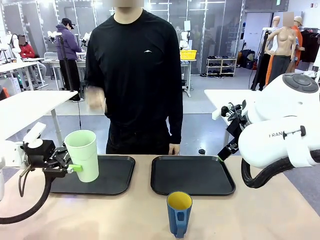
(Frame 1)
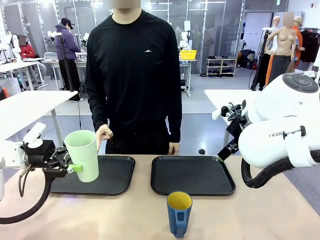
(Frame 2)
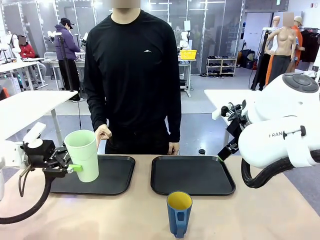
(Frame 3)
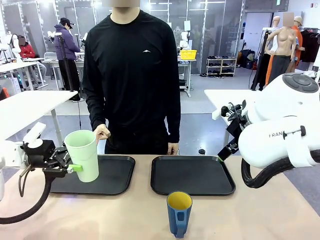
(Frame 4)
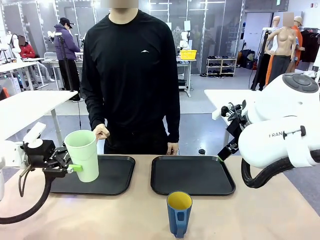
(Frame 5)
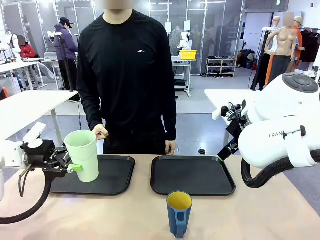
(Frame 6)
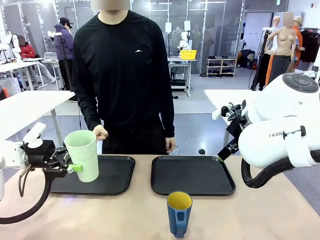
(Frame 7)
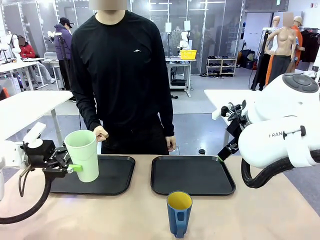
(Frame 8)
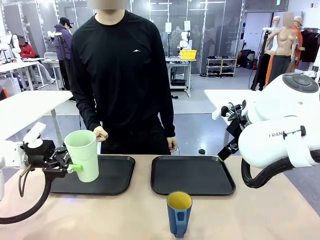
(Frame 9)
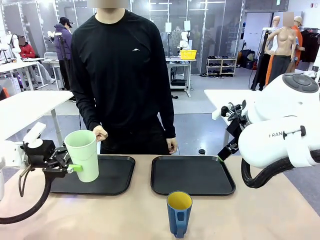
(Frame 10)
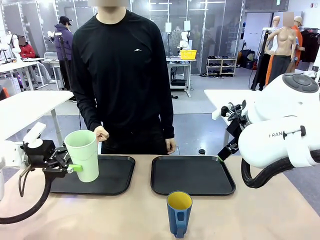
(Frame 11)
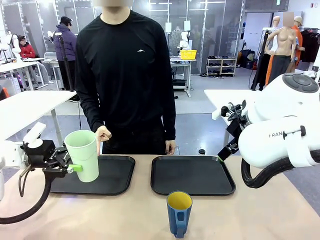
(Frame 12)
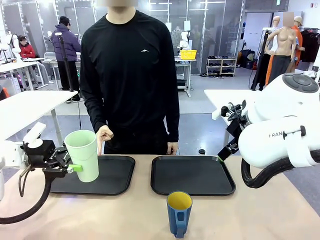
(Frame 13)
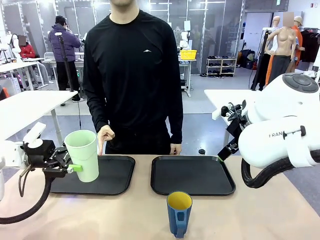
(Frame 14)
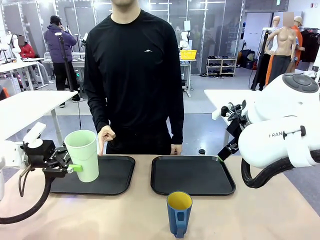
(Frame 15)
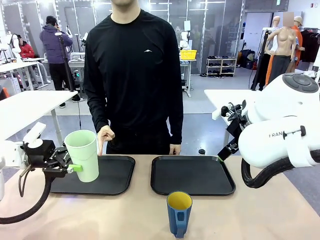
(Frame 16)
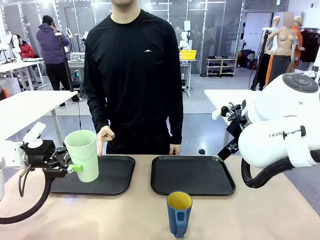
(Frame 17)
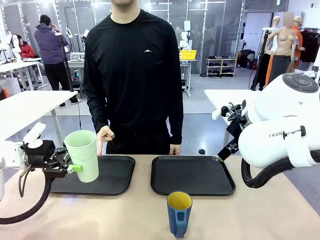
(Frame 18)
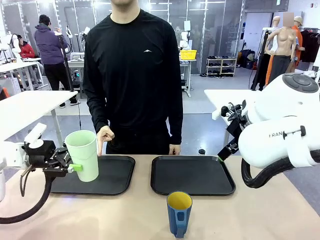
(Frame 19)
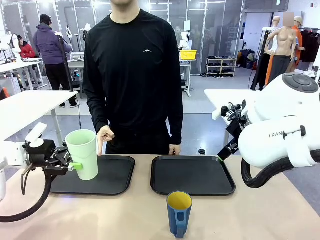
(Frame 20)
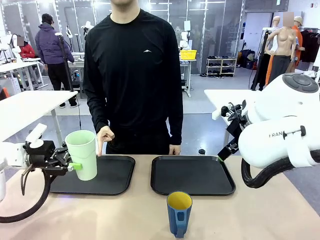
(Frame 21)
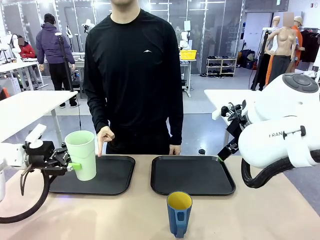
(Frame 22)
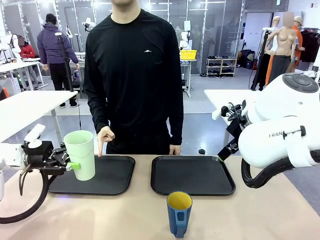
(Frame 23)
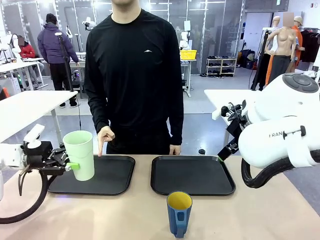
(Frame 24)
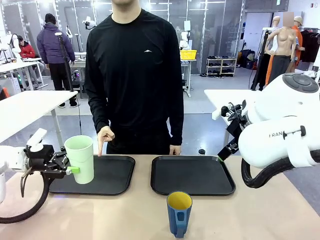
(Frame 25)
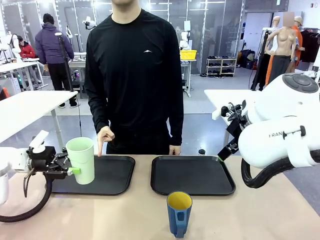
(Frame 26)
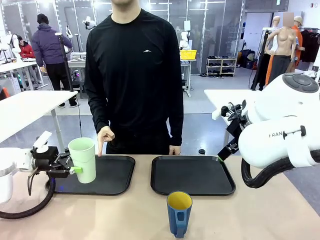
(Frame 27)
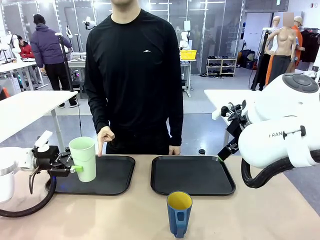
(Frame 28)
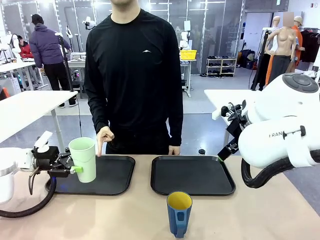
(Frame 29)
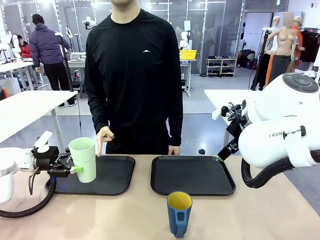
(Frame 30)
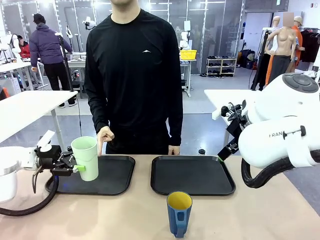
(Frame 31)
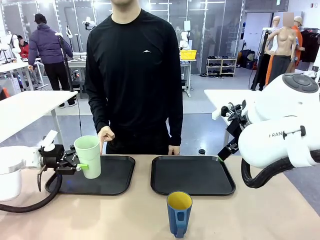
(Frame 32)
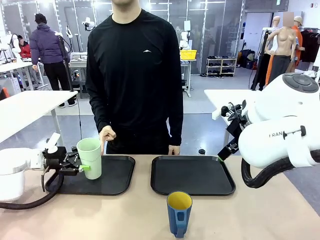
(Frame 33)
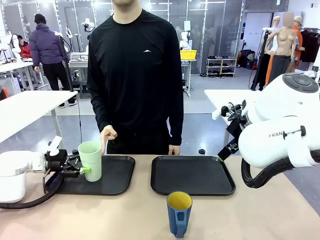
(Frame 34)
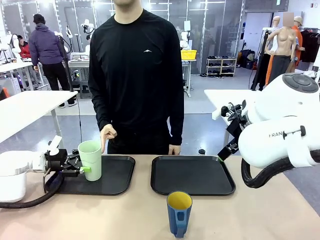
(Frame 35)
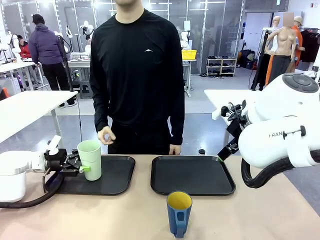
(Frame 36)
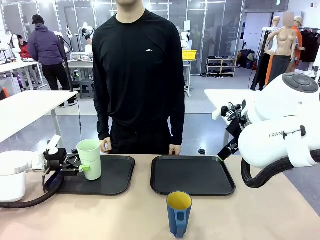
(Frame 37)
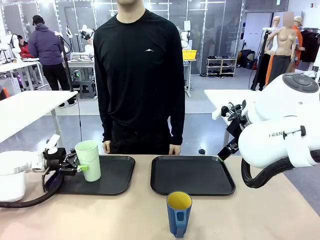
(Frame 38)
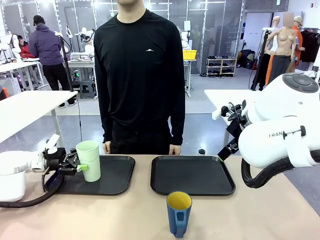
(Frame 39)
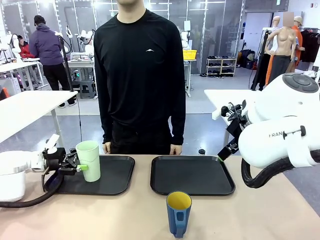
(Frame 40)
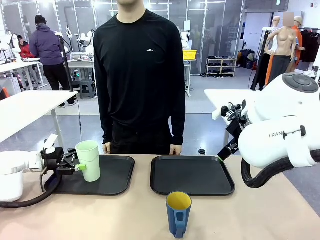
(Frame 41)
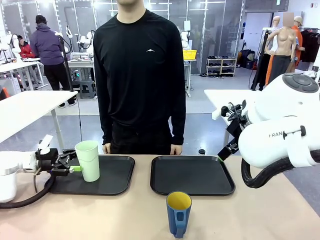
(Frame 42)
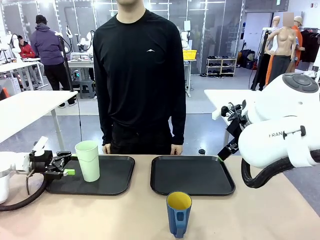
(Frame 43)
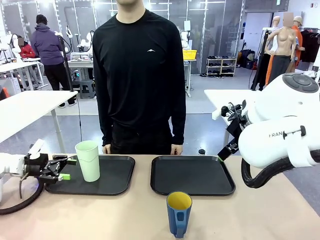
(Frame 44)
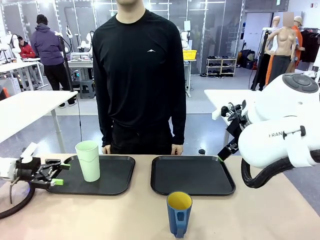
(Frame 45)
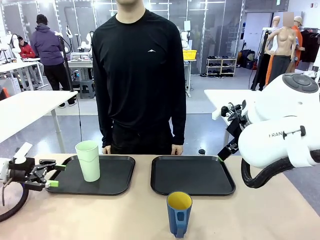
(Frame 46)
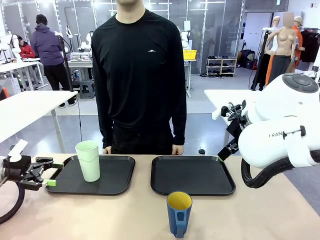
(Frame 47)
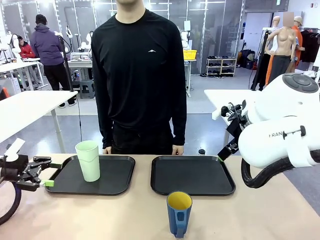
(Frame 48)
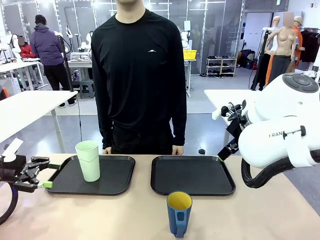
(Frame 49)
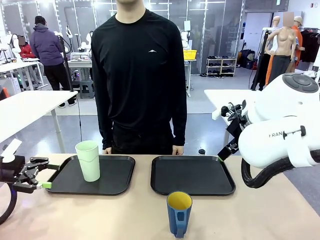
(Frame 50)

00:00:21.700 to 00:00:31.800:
Task: Sort and store the cups by type.
Robot: Place the picked Reusable plastic cup into the Flat Tray indicated by the person.

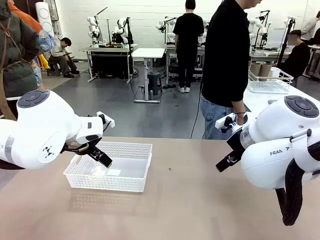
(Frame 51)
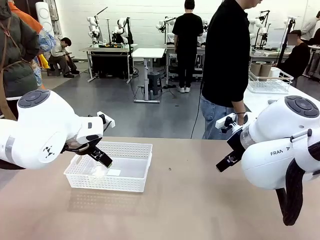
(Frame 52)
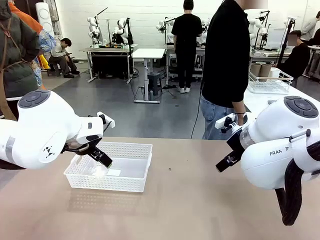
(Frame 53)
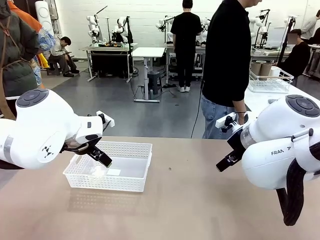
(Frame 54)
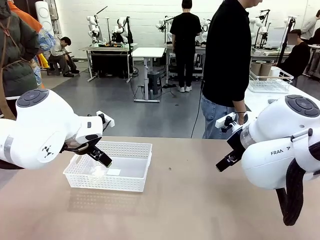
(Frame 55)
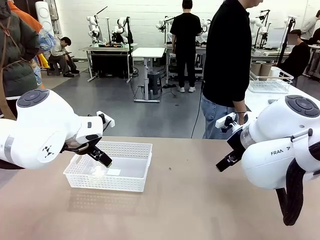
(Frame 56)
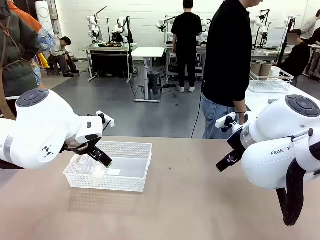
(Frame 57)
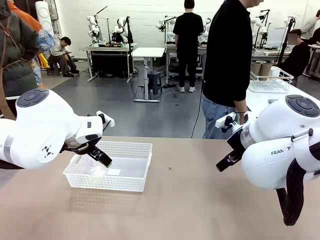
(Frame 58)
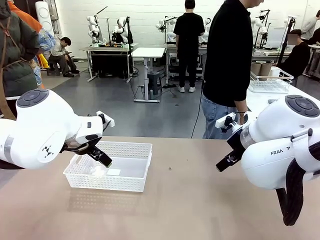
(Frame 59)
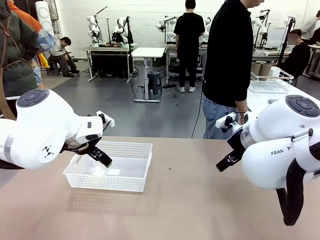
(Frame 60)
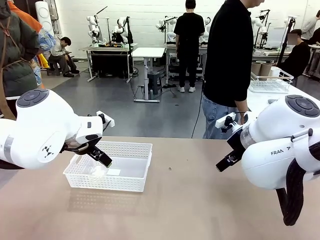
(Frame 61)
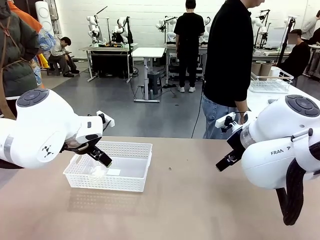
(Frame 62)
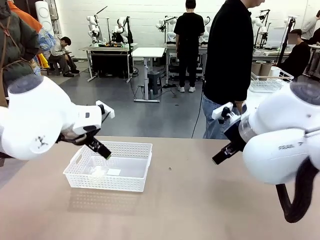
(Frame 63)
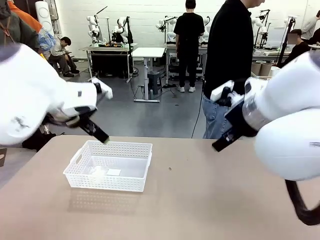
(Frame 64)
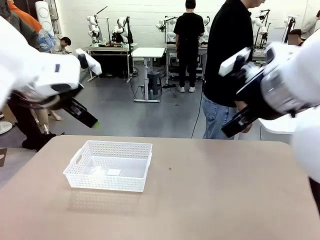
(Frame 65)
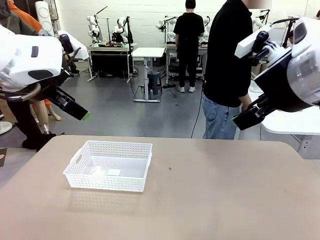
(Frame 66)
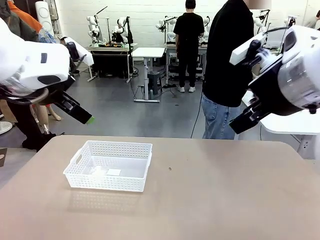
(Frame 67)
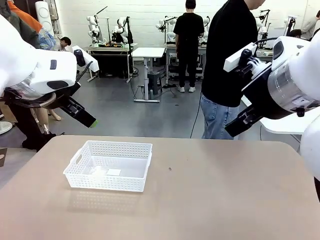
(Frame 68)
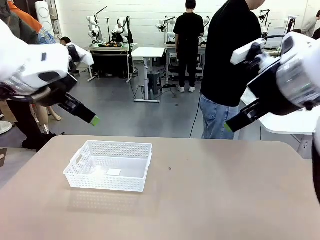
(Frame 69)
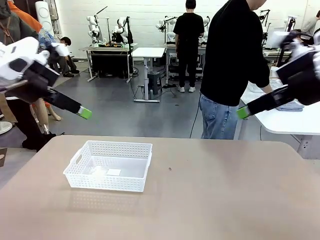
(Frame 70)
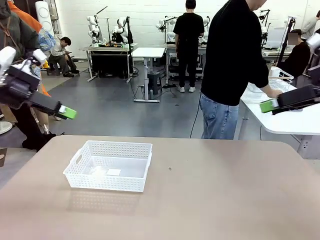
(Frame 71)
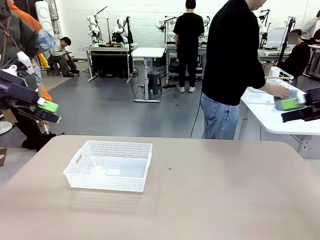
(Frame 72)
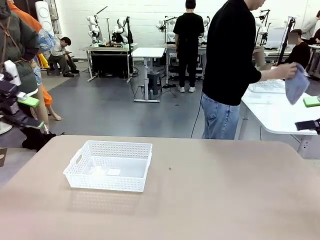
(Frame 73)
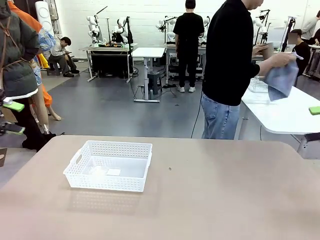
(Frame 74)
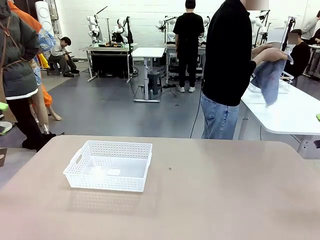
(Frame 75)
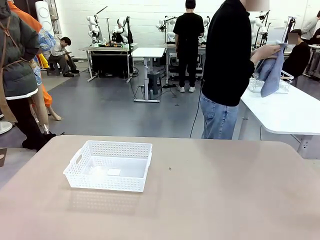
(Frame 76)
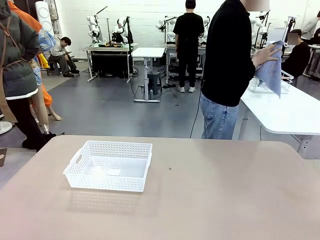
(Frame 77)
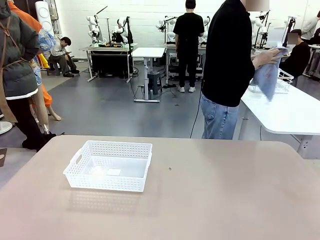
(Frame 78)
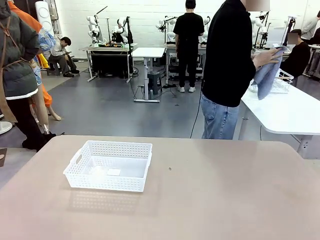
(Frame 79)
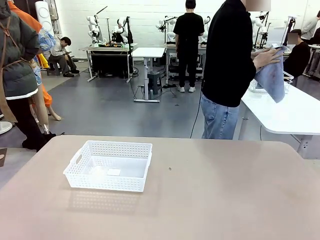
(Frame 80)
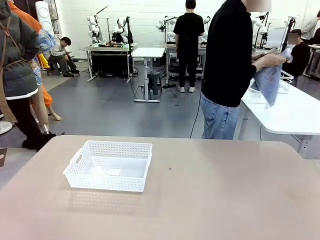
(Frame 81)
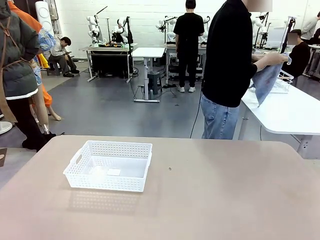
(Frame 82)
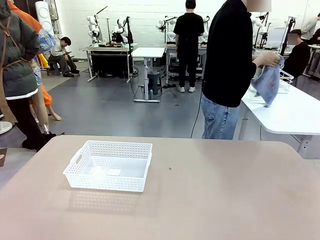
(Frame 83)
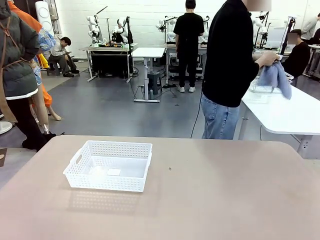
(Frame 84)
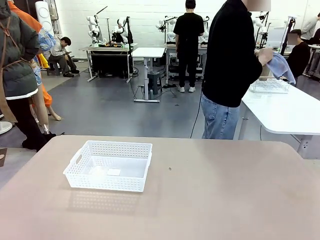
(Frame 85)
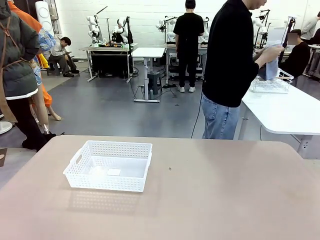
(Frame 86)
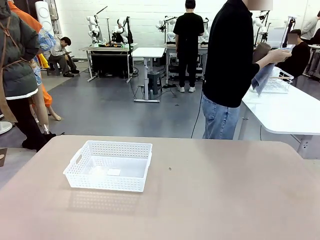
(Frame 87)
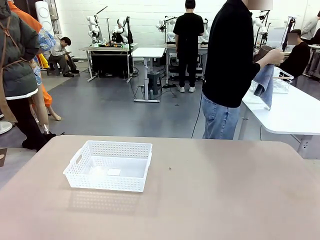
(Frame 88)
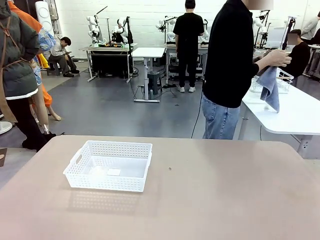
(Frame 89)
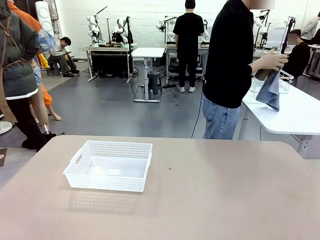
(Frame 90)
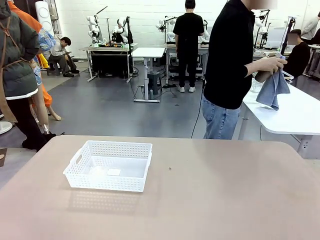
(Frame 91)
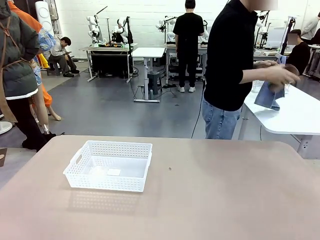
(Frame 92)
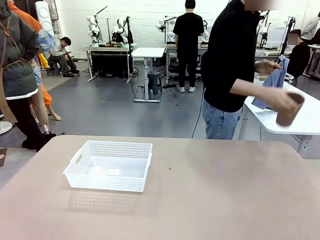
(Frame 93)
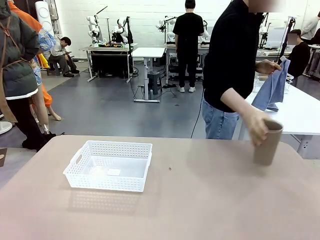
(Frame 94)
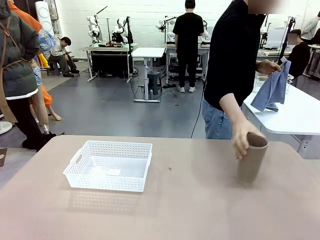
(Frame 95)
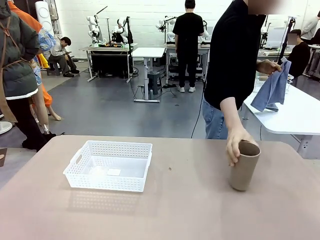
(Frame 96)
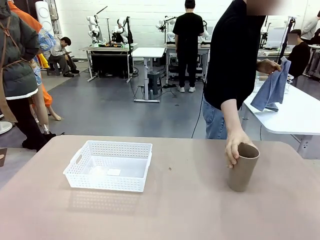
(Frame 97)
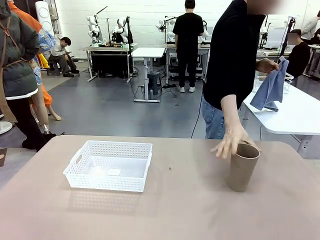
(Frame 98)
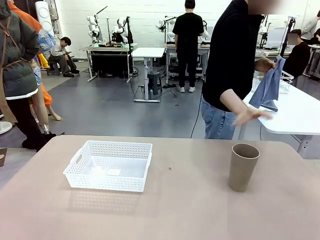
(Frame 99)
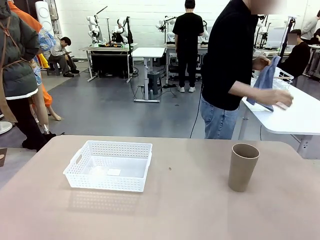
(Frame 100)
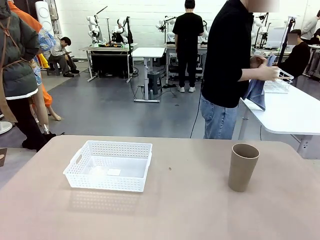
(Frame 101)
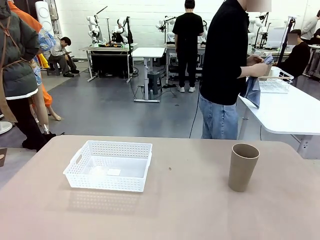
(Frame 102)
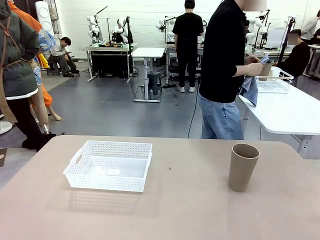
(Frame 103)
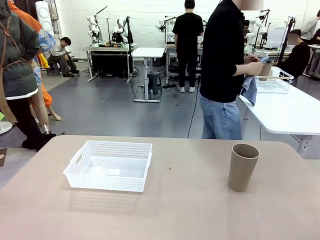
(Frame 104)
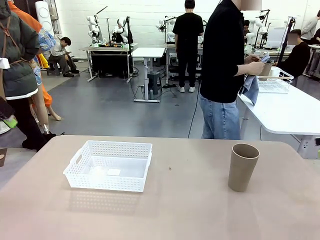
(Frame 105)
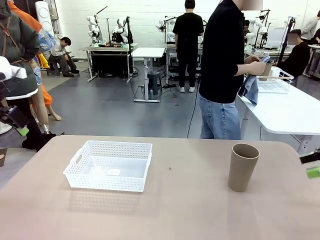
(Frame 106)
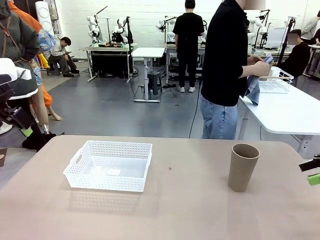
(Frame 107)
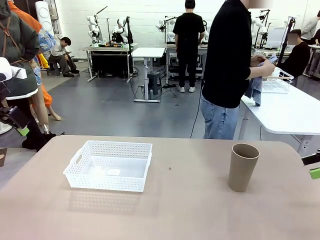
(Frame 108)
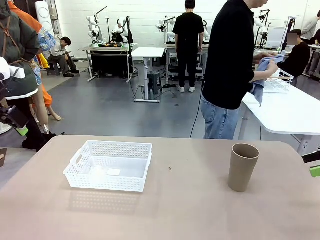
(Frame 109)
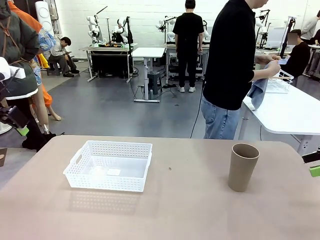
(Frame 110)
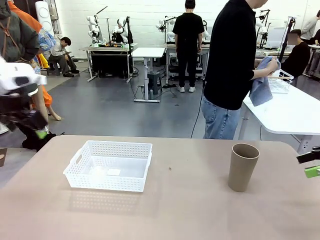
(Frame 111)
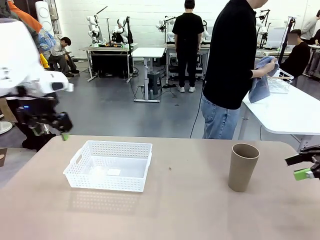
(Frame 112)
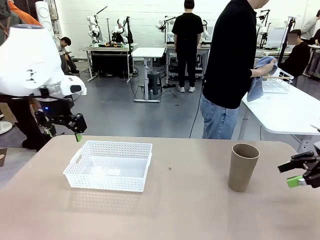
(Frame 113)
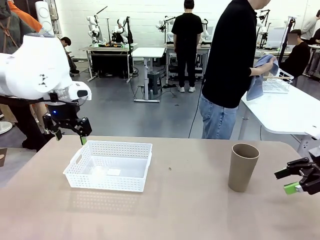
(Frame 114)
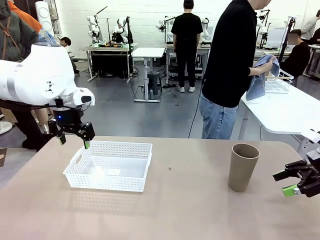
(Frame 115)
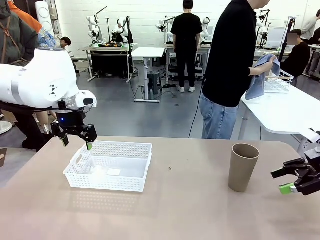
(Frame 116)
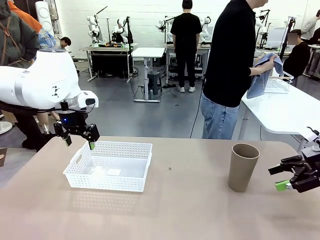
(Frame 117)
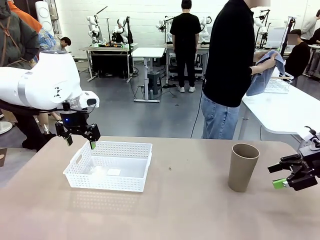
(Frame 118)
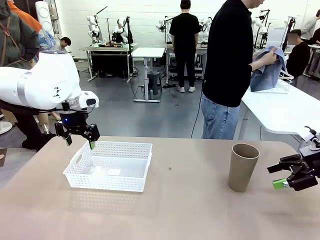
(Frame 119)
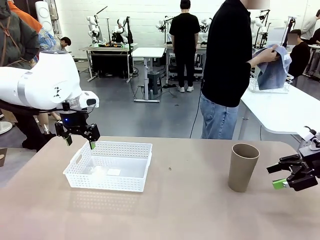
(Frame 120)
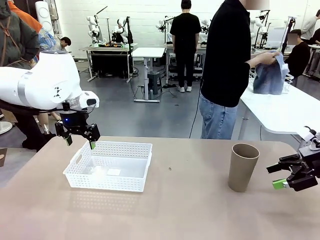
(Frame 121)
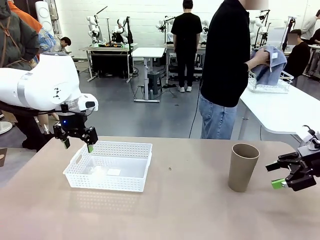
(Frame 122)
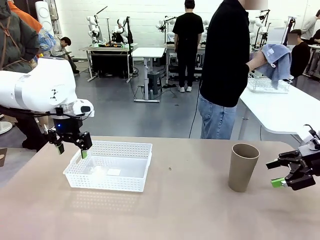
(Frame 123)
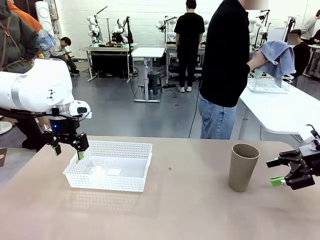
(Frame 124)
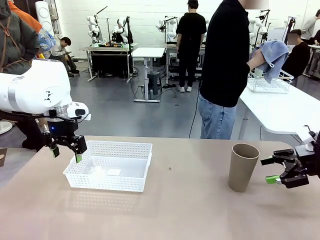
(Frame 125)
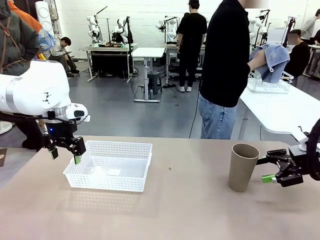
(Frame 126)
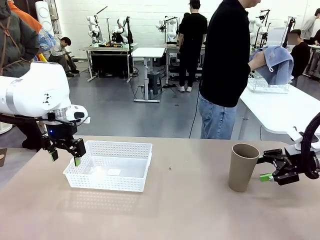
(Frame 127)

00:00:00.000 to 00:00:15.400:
Task: Clean and organize the cups into the basket.
Robot: Pick up the Organizing basket and move it to the center of the table, then pick up the Reusable plastic cup from the right side of the table and place it inside the Organizing basket.
Person: Picks up a cup and a towel, cleans the cup with the towel, and places it on the left side of the robot table.
